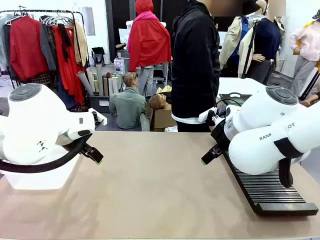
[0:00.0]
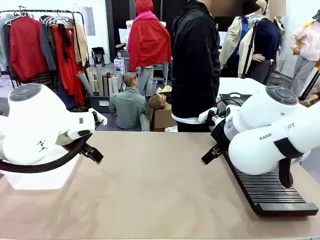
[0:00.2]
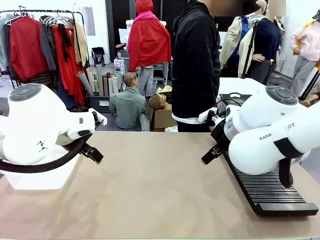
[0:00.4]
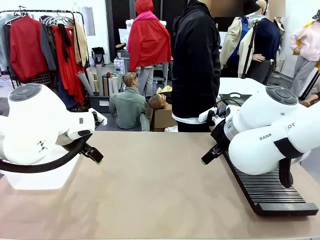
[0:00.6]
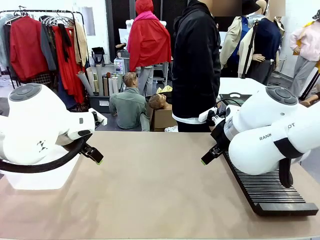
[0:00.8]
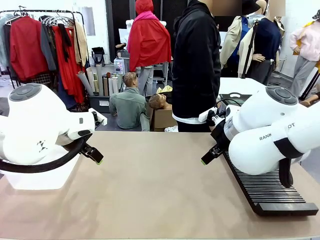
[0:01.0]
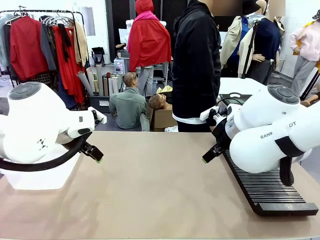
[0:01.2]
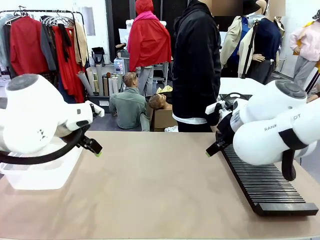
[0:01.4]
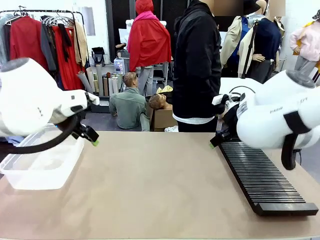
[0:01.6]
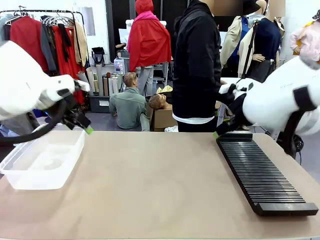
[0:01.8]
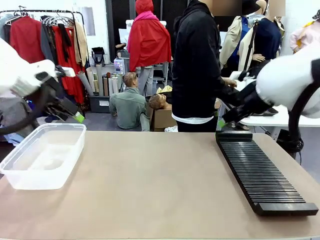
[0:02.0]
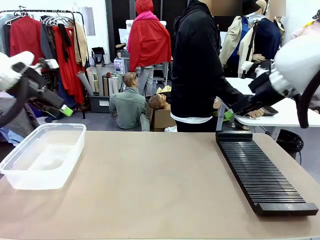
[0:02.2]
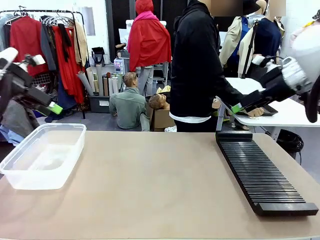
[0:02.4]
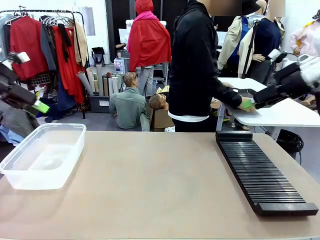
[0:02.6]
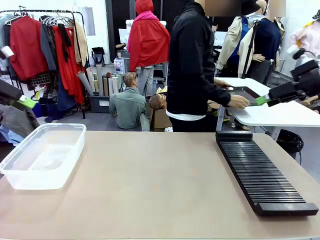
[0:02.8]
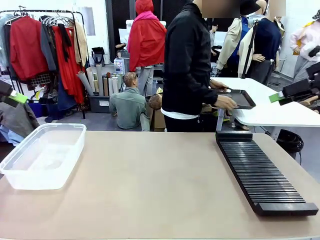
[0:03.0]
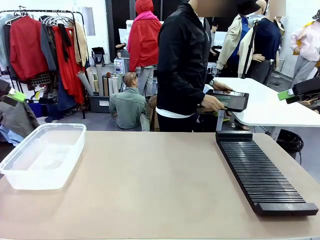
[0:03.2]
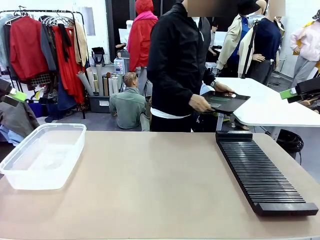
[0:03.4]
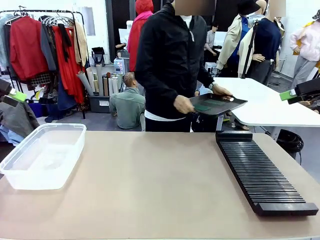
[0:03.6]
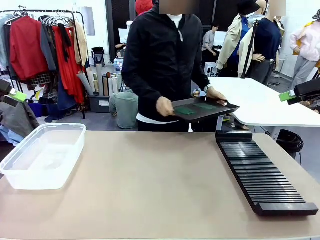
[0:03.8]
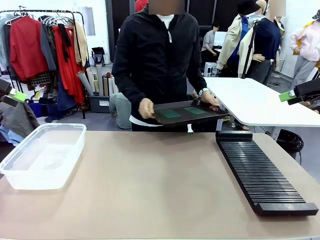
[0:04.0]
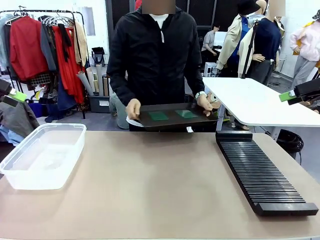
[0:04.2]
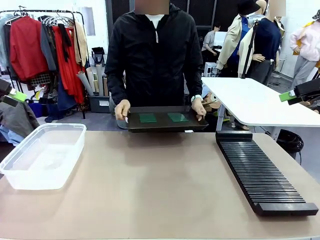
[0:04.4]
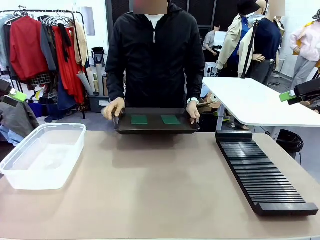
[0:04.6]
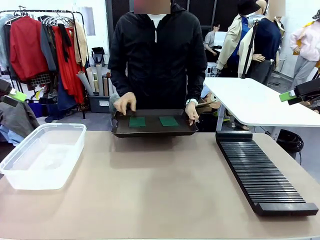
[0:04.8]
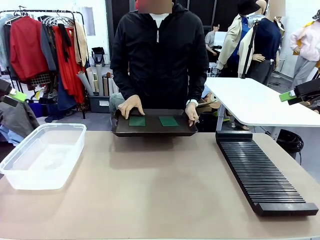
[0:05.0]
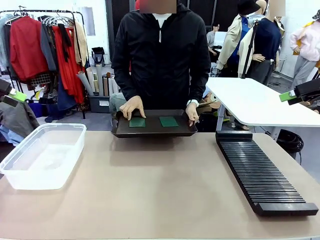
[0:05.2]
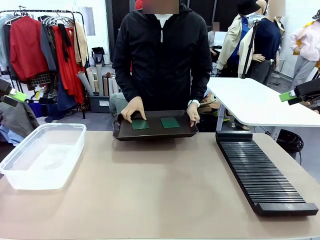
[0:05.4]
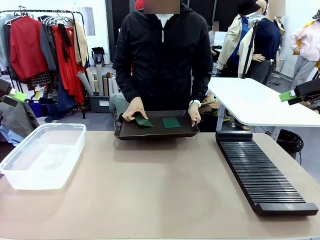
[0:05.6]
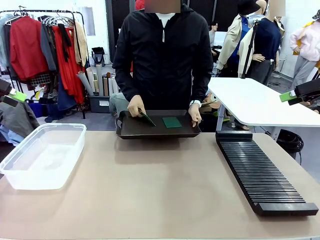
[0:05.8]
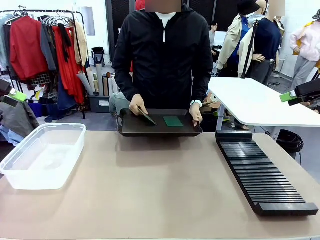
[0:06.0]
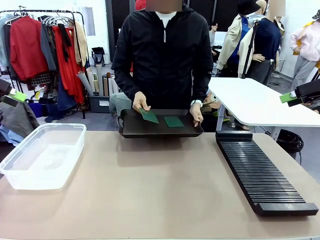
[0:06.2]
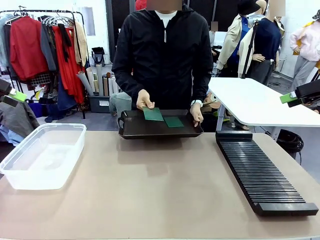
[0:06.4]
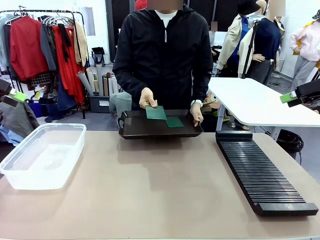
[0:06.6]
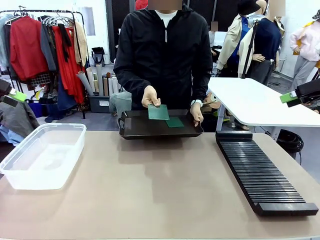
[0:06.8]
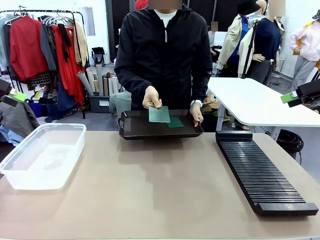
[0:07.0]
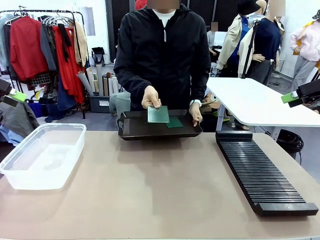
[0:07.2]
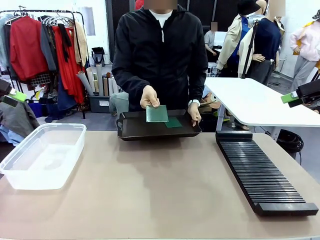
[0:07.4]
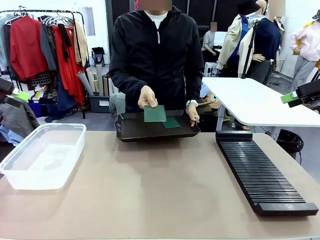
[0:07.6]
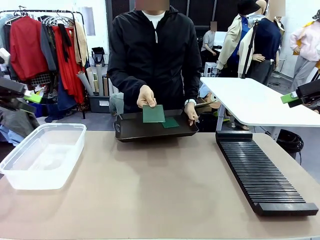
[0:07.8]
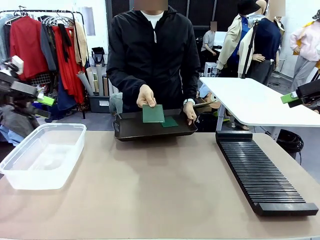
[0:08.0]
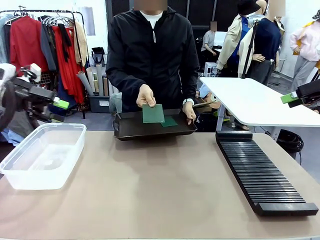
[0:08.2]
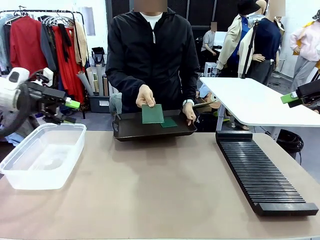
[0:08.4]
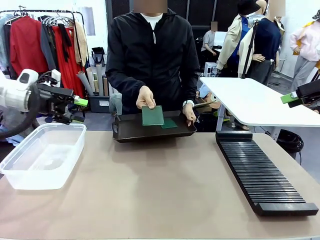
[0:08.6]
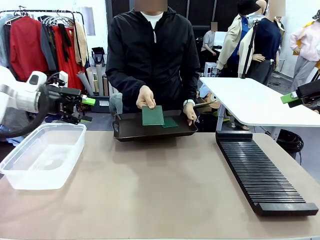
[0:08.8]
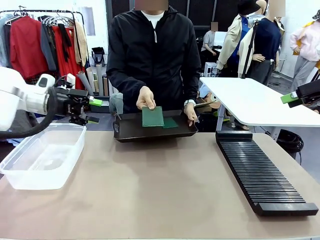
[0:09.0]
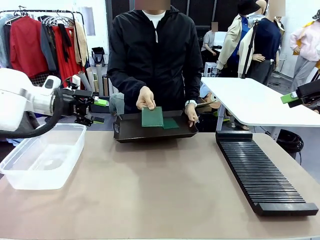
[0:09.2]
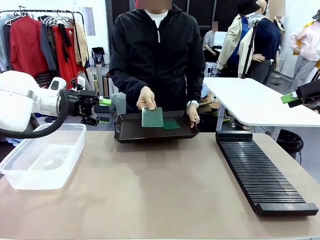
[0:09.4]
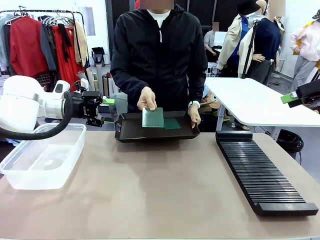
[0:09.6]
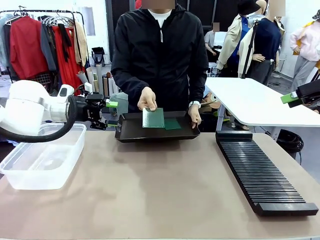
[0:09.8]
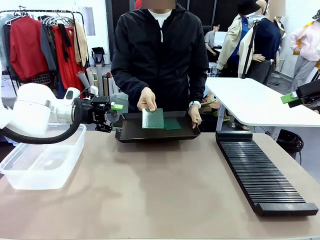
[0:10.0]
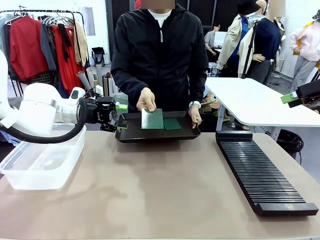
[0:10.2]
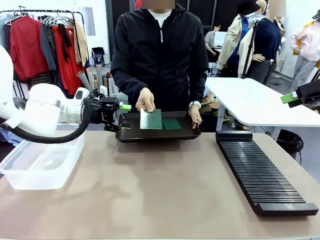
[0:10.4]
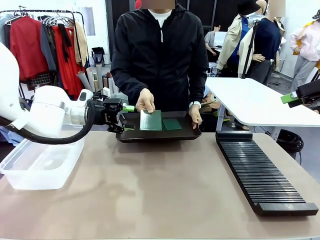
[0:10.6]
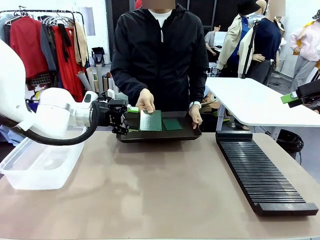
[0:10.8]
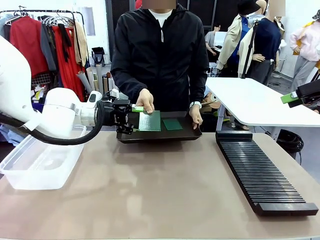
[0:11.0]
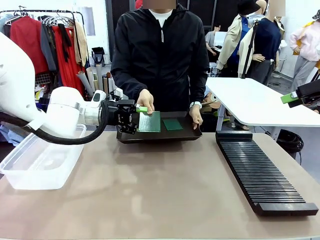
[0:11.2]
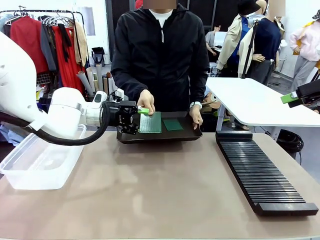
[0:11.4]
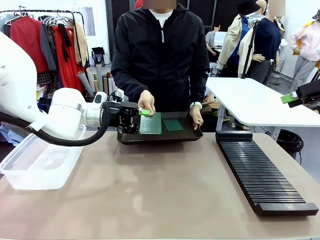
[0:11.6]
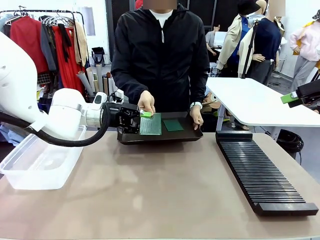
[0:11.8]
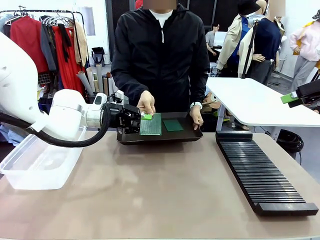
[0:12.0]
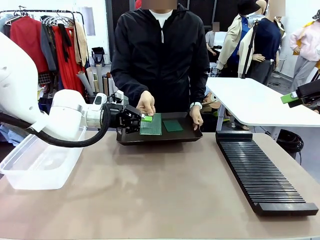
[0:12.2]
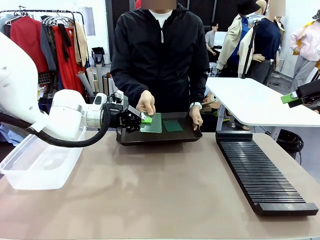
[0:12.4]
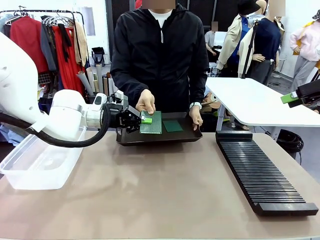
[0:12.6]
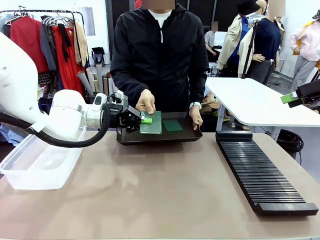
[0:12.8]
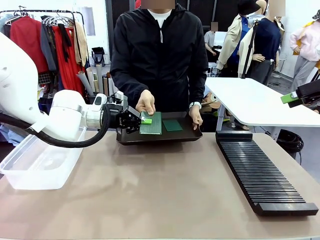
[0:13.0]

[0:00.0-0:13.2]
Task: Sort PCBs into racks and boxes based on the side picked up.
Robot: Pick up the Blank PCB handed by the Human.
Person: Pick one PCB from the tray and present it to the robot. Release the PCB being held.

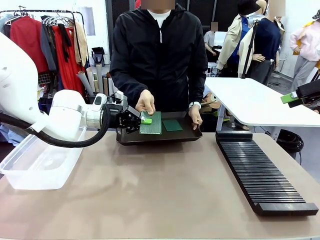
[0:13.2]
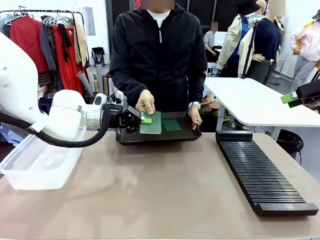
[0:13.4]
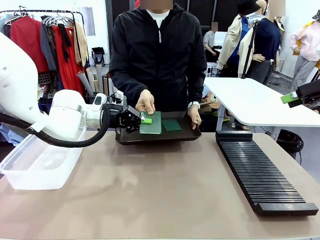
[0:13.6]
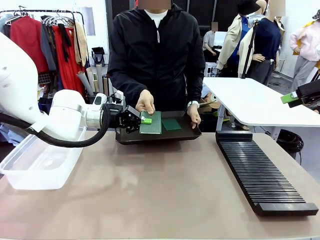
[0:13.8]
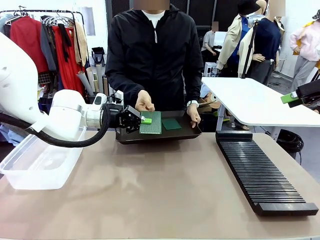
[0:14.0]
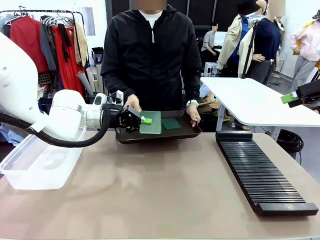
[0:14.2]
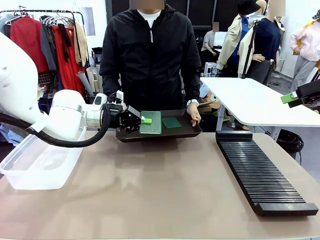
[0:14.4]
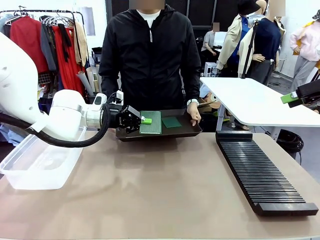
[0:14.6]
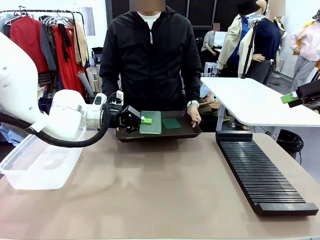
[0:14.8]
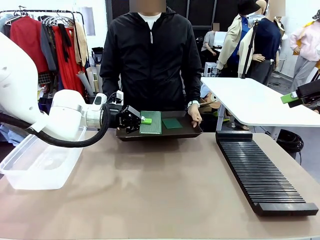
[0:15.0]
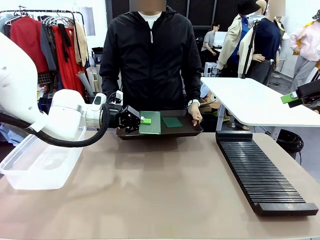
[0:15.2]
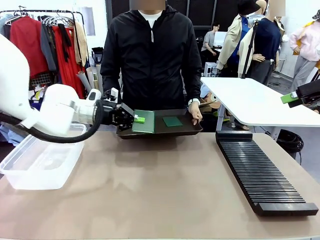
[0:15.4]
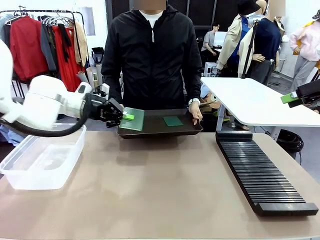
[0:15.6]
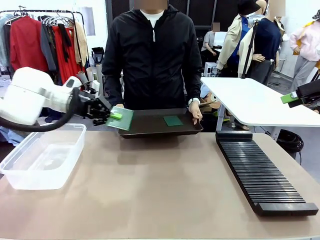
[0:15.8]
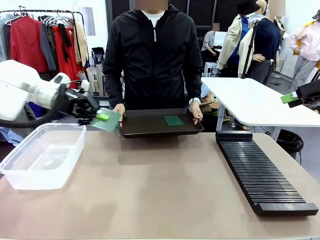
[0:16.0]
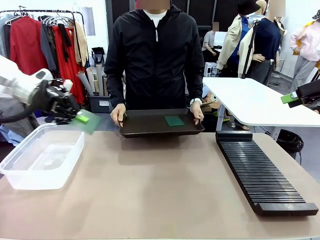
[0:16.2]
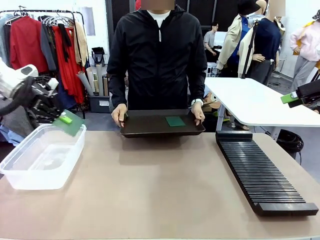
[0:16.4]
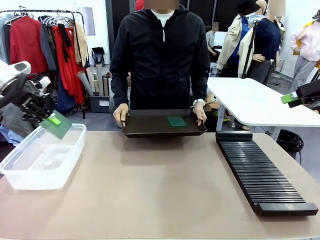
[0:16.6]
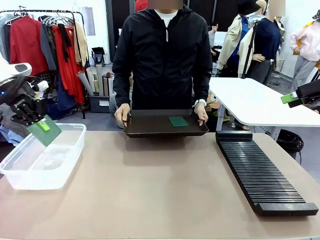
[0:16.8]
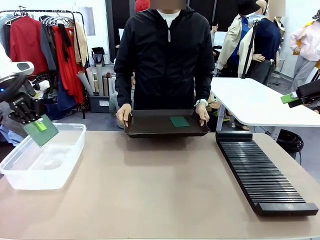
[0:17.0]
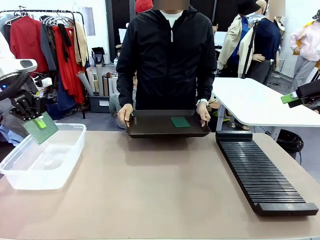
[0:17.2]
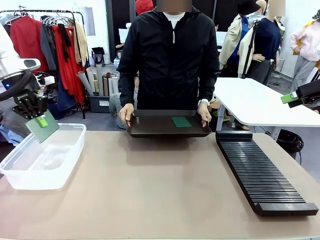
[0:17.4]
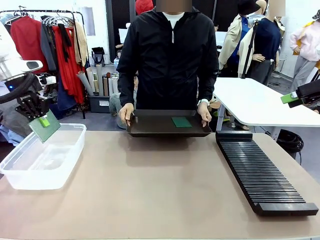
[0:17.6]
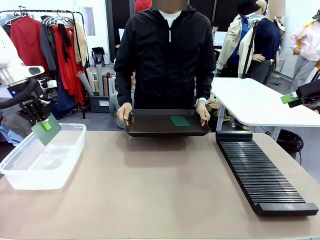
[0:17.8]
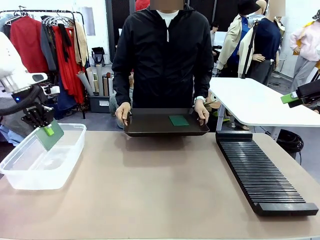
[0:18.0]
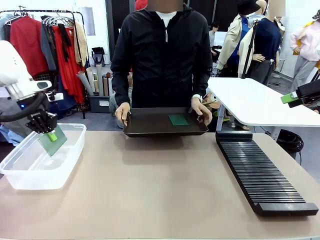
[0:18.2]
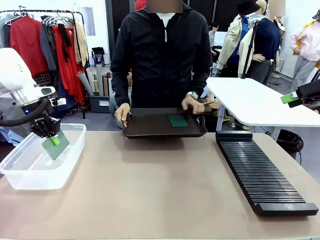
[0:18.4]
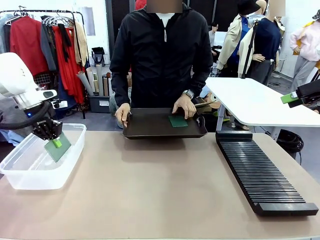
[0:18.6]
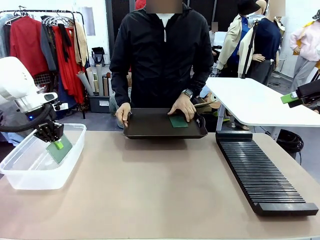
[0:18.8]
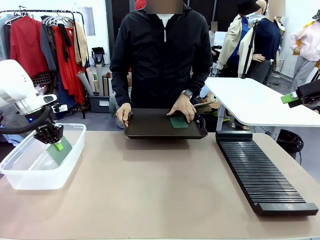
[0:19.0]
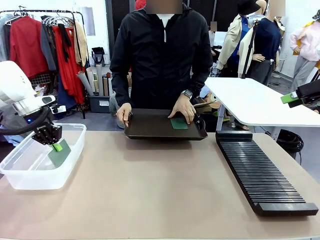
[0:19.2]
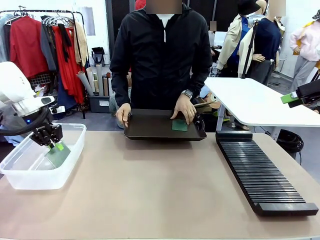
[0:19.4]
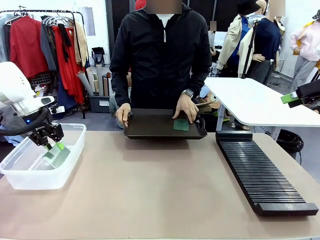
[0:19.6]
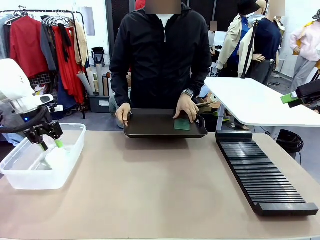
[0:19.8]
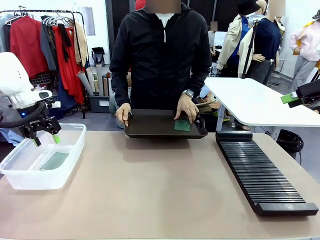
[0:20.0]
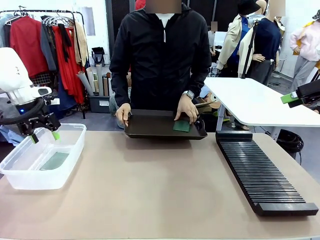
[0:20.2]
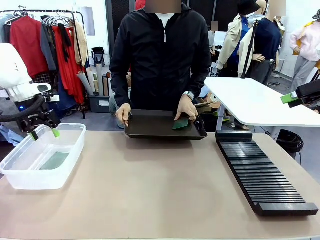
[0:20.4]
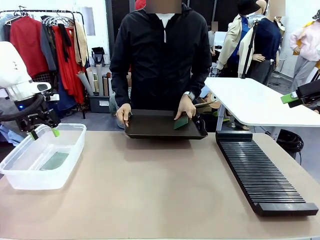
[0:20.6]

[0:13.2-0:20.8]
Robot: If the short side of the Blank PCB is picked up, insert it into the PCB Rack ; if the long side is picked up, place it in the Organizing box.
Person: Pick one PCB from the tray and present it to the robot.
